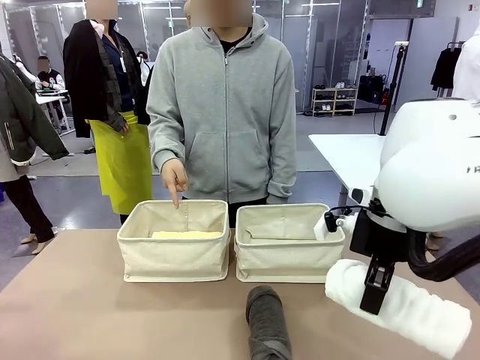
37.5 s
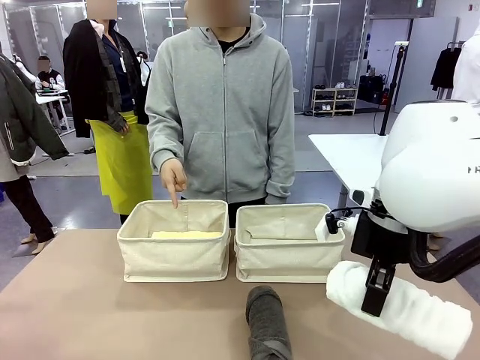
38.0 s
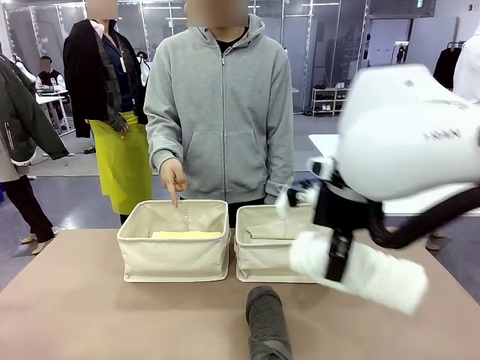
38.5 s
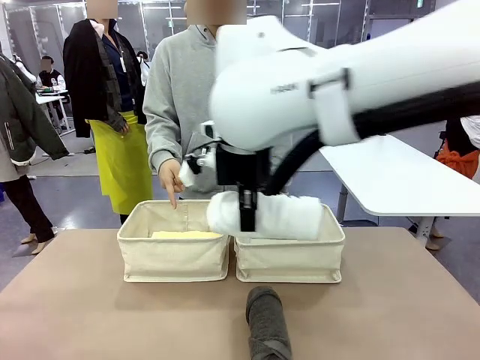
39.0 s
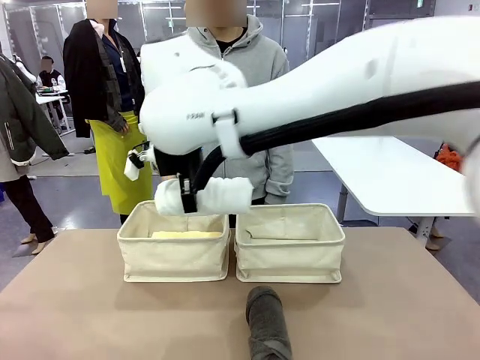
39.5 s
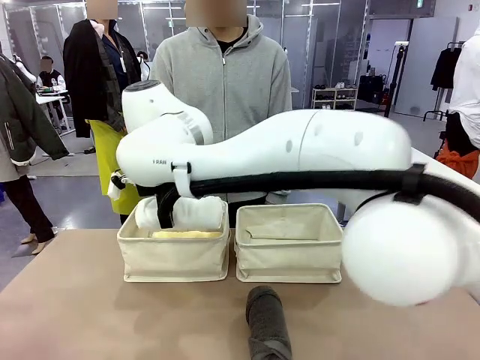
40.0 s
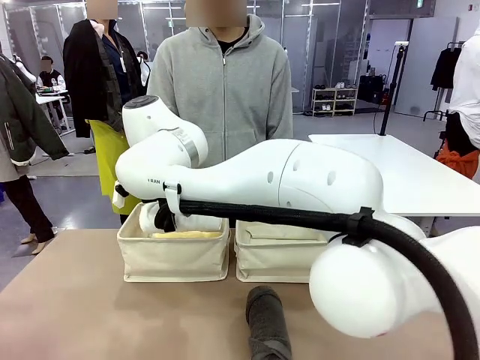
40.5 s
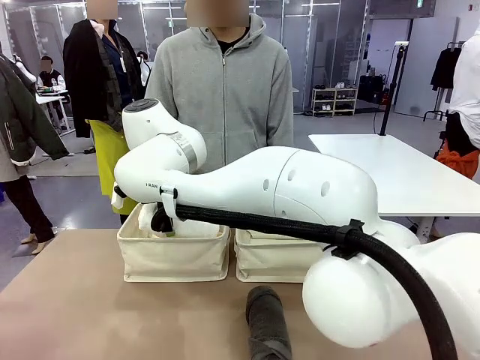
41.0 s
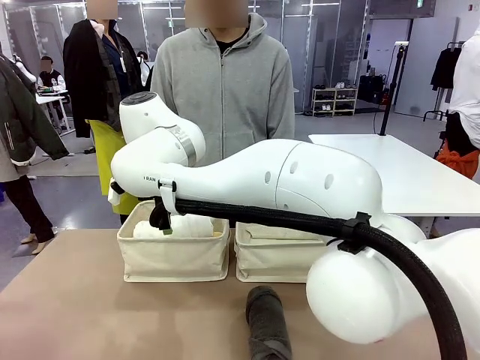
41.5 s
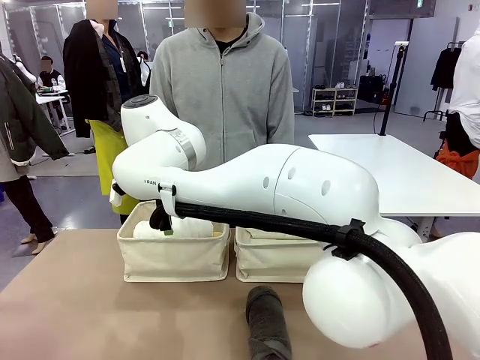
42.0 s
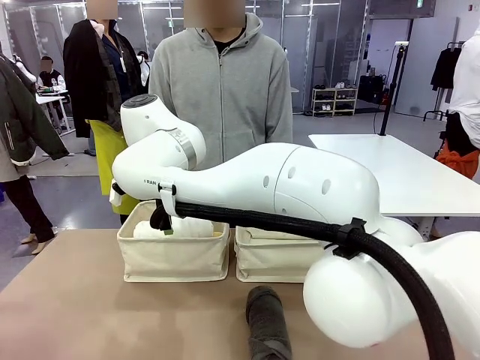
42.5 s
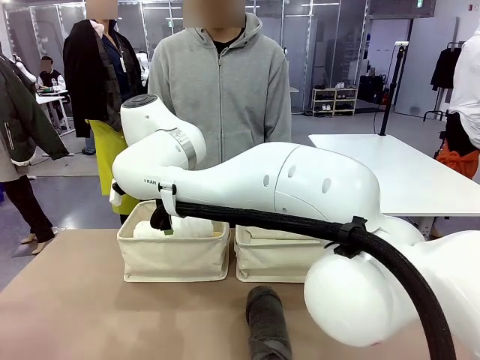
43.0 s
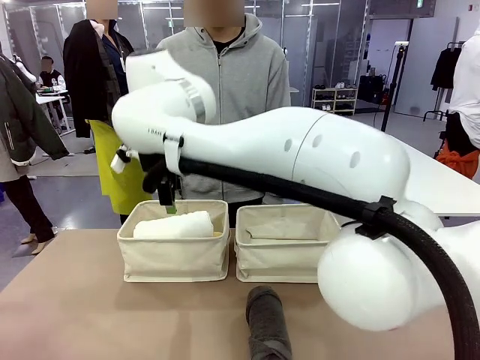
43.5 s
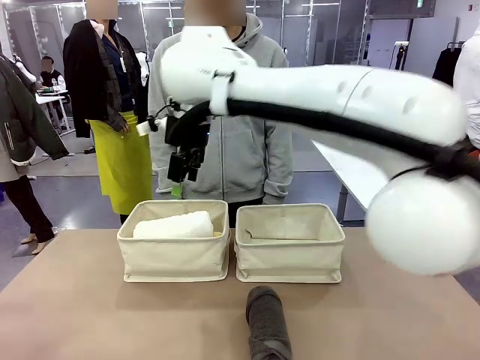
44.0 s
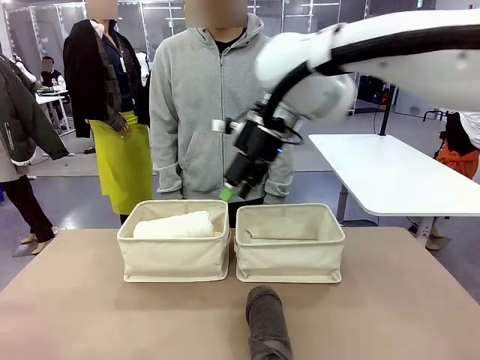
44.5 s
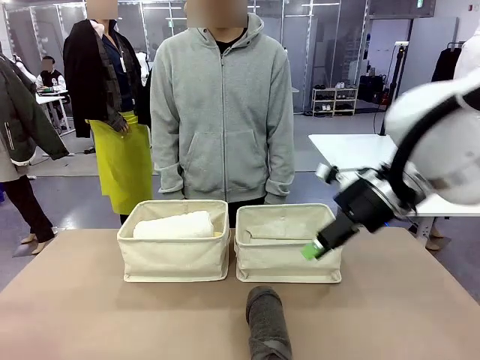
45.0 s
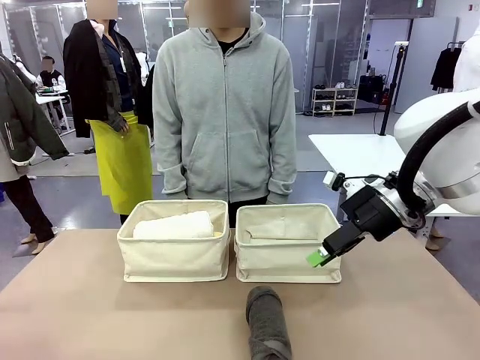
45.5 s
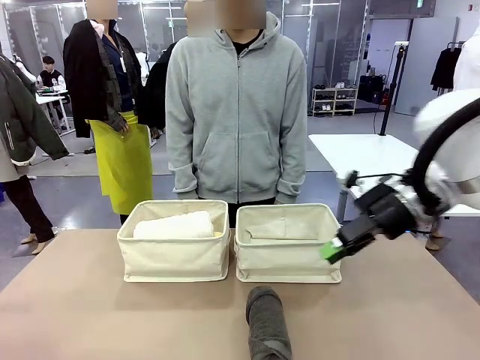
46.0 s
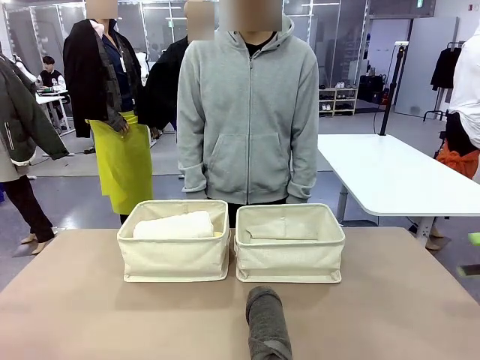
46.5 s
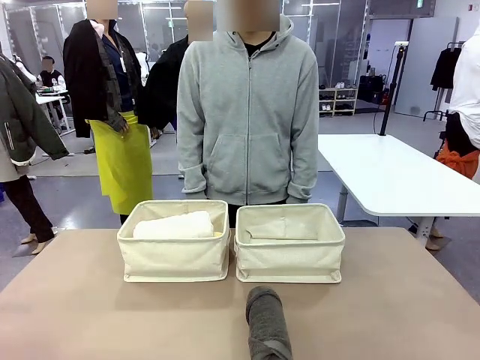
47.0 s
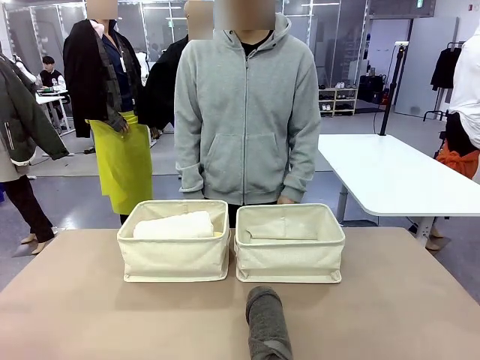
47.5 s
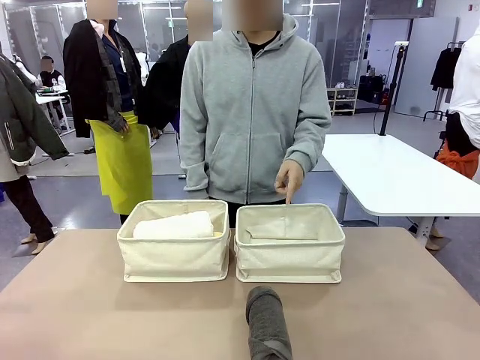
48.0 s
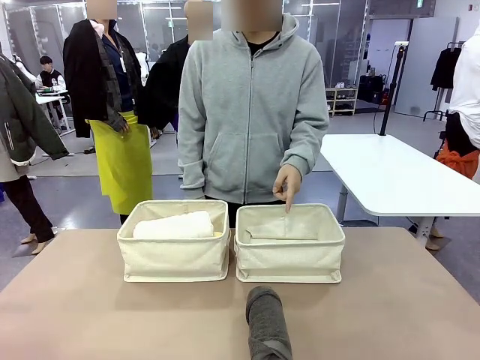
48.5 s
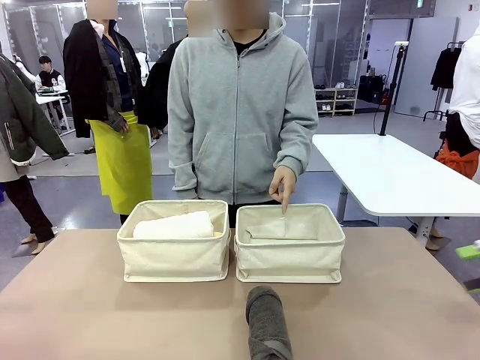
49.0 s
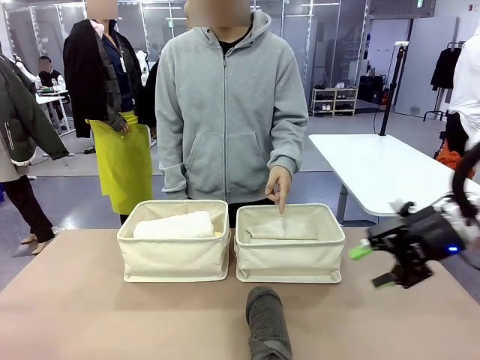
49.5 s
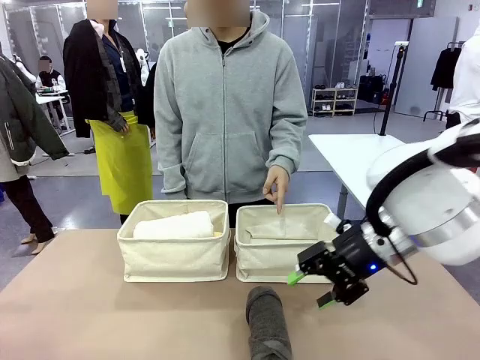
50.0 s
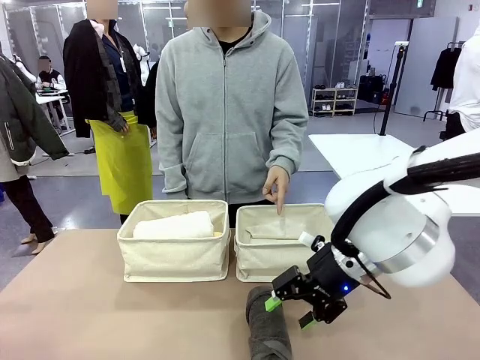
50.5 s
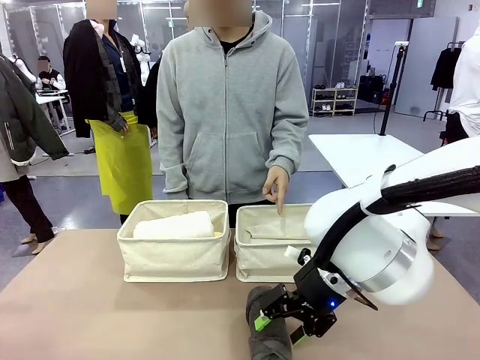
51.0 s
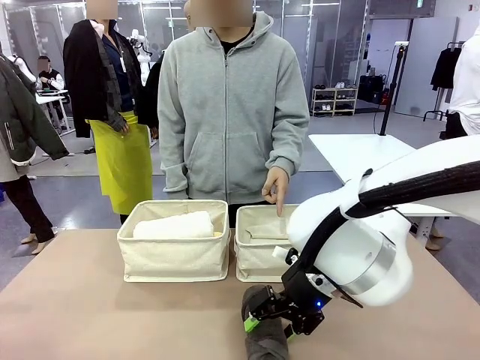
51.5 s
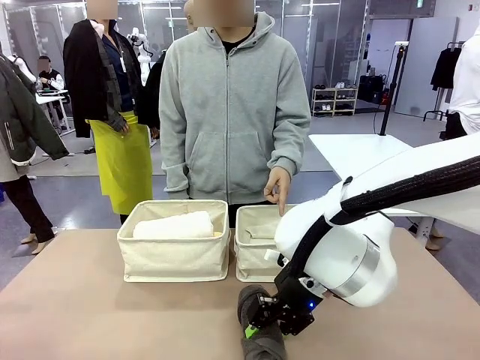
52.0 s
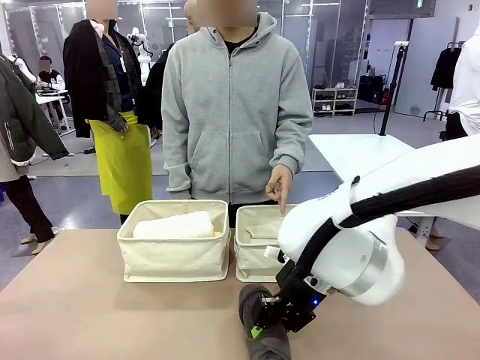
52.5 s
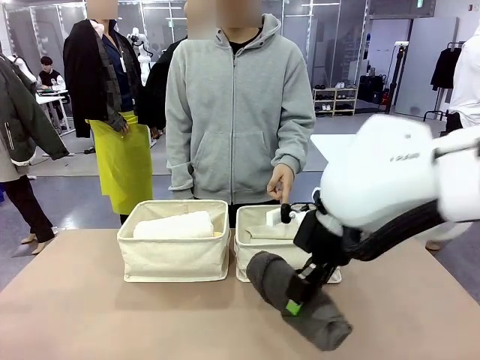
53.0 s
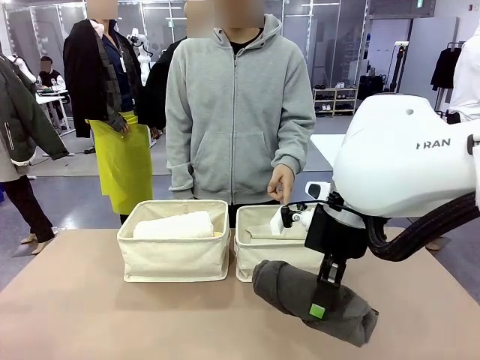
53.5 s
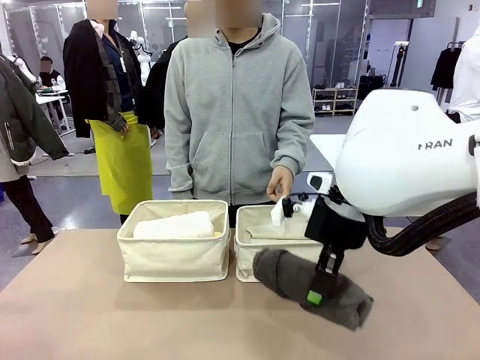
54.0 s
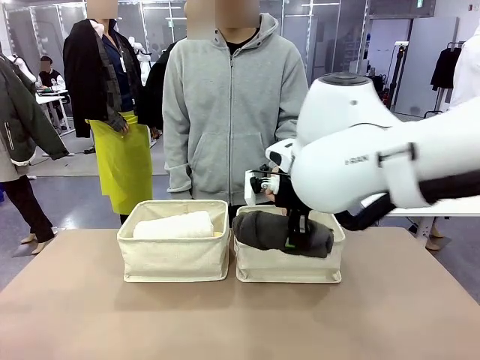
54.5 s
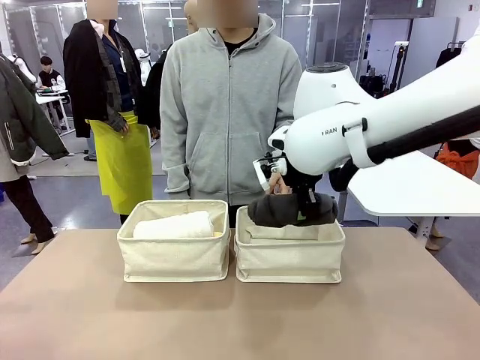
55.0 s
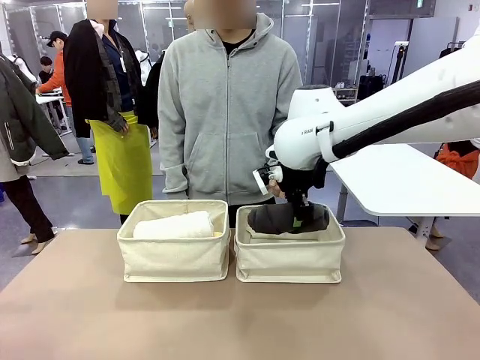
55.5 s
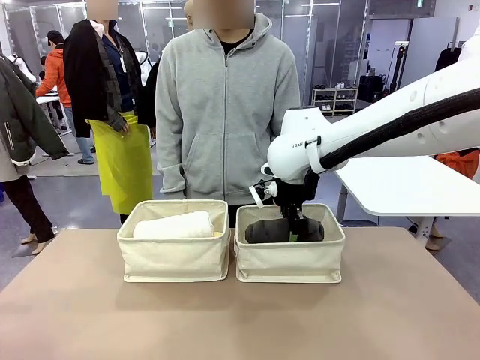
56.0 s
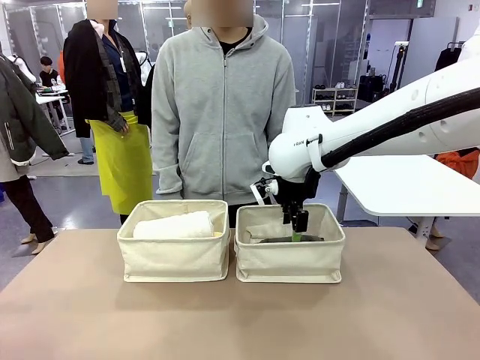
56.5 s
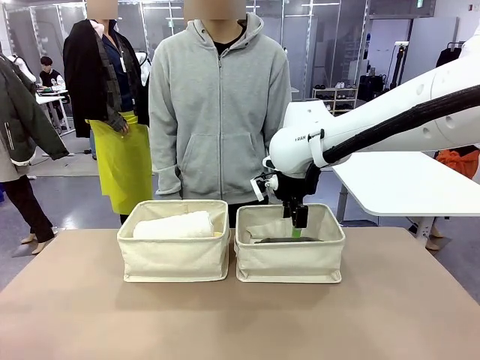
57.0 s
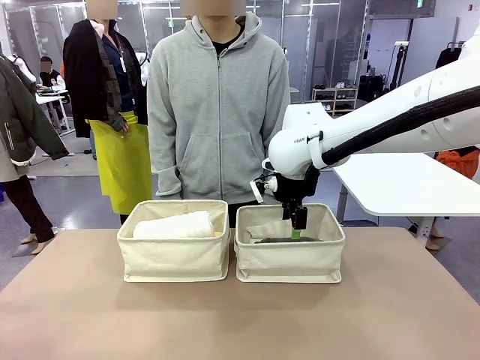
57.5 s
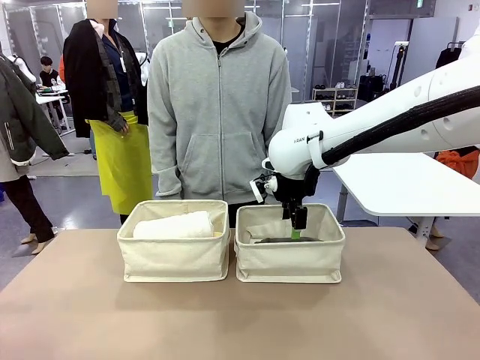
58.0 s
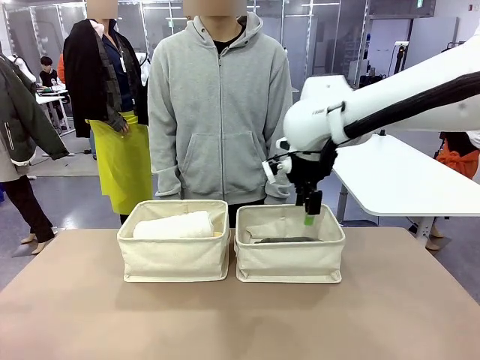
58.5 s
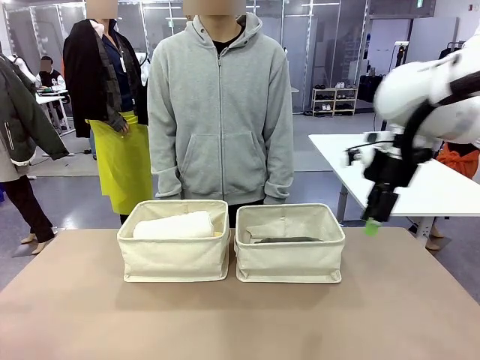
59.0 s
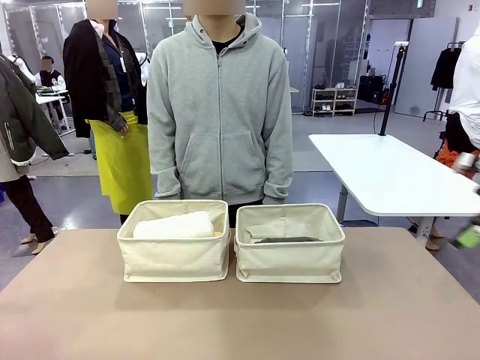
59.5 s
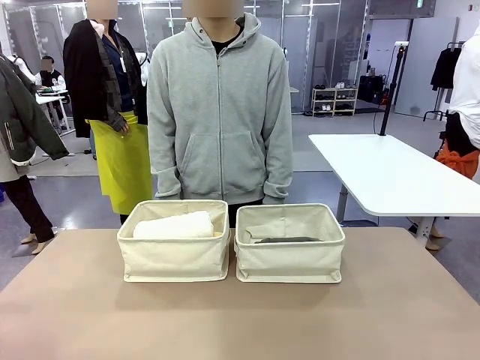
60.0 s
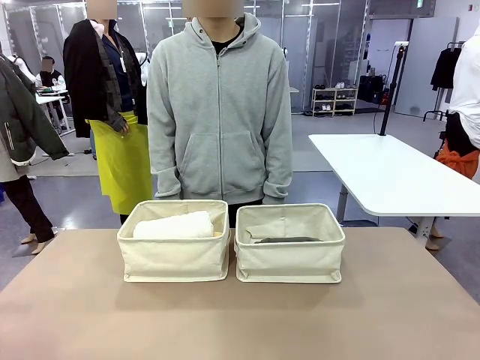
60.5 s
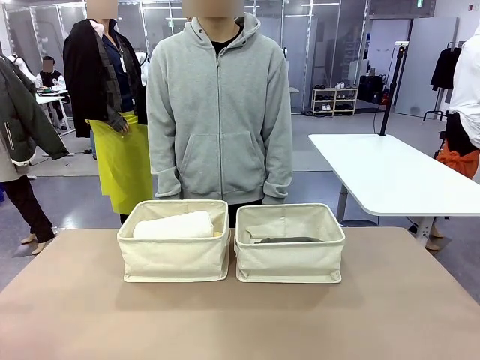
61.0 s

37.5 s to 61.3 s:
Task: Divide the towels into two baskets.
Robot: Pick up one hotel-folded towel from the bottom of the table and place it in the Fabric basket indicated by the person.
